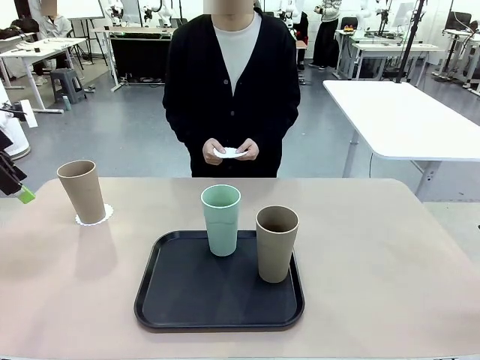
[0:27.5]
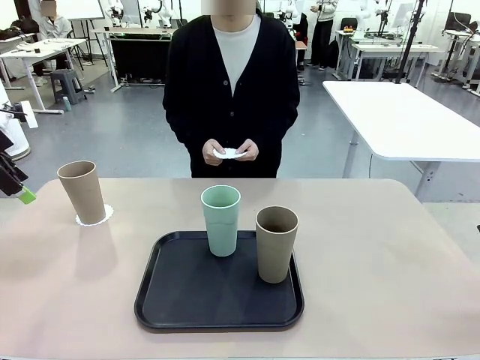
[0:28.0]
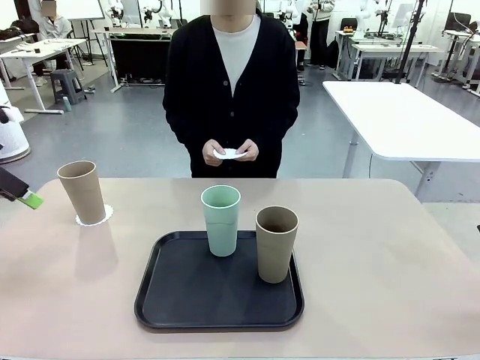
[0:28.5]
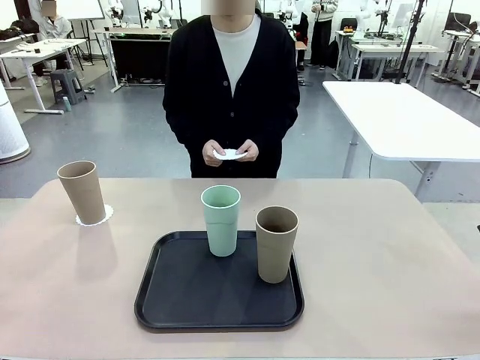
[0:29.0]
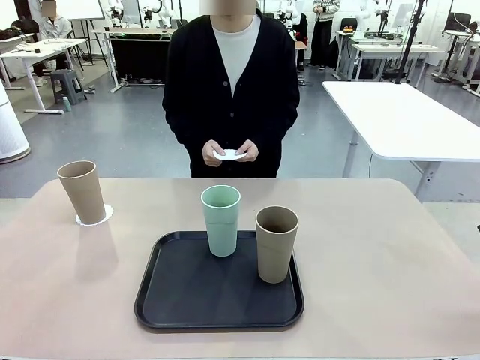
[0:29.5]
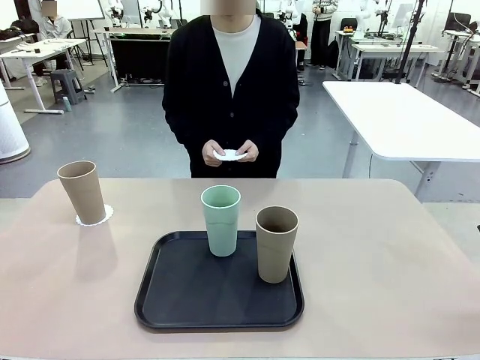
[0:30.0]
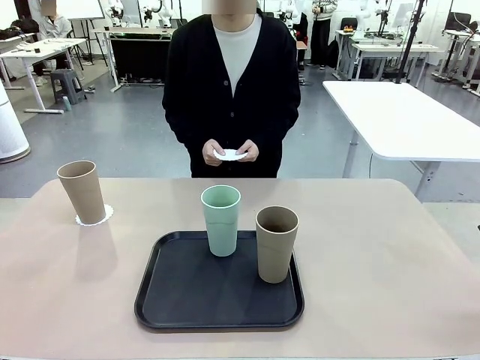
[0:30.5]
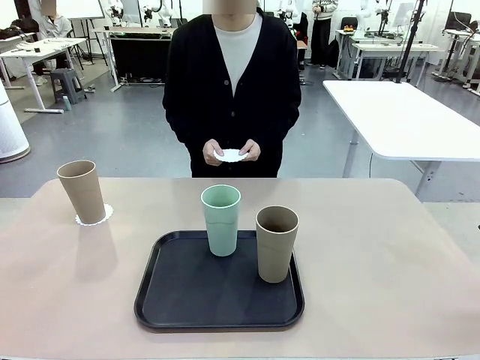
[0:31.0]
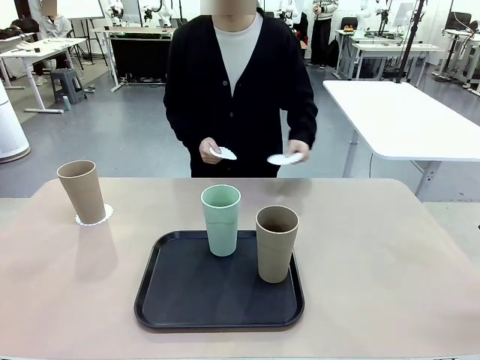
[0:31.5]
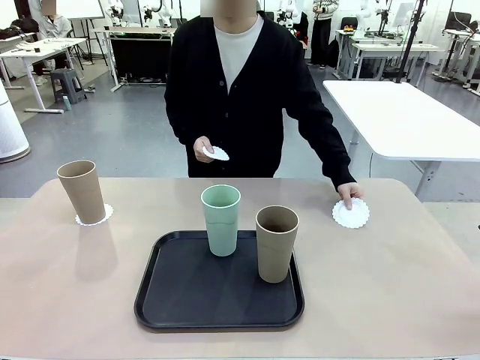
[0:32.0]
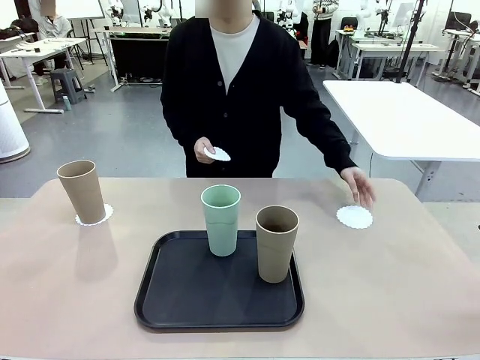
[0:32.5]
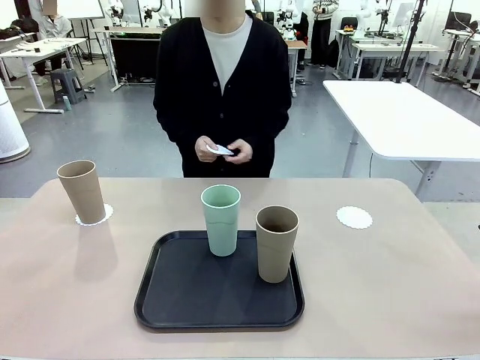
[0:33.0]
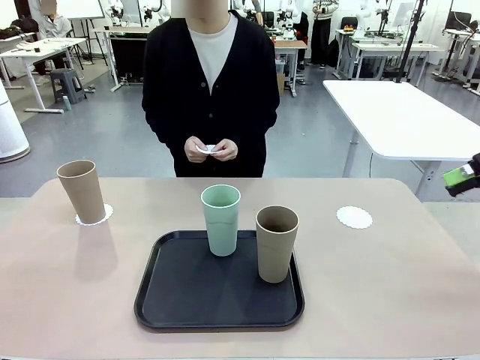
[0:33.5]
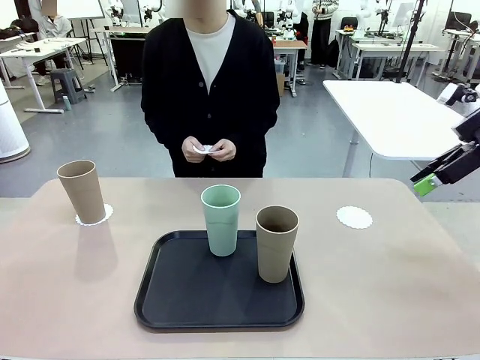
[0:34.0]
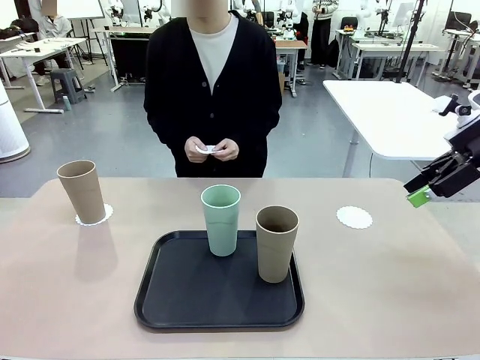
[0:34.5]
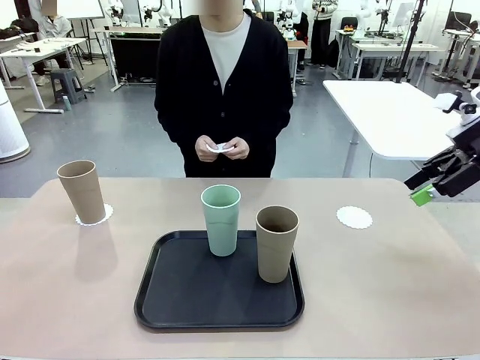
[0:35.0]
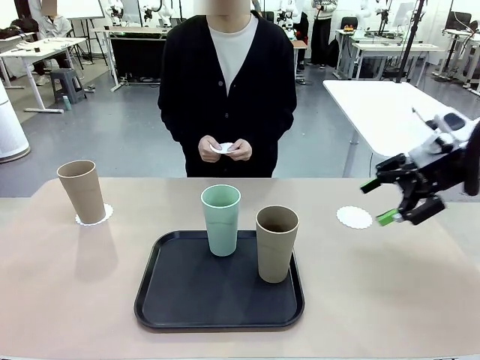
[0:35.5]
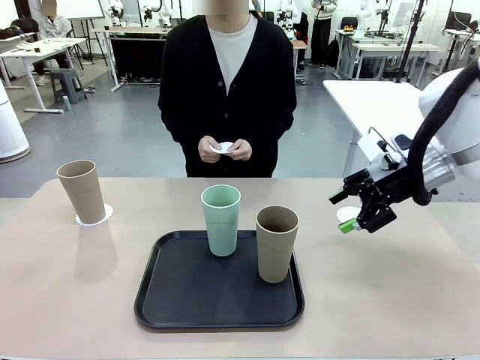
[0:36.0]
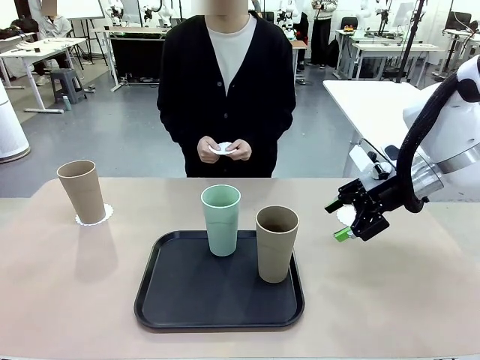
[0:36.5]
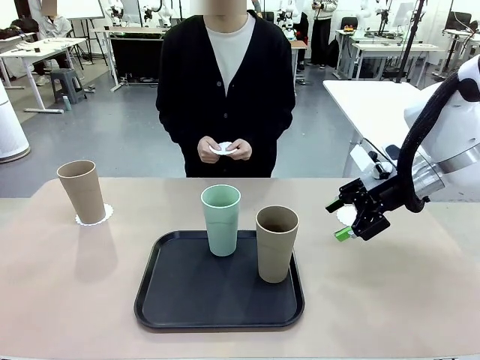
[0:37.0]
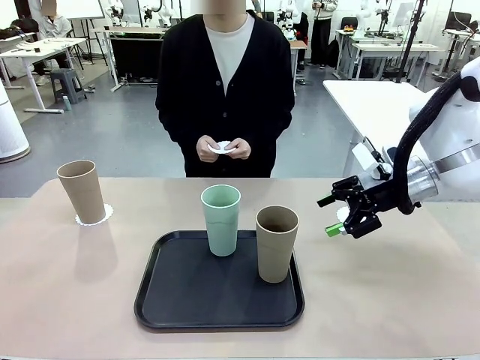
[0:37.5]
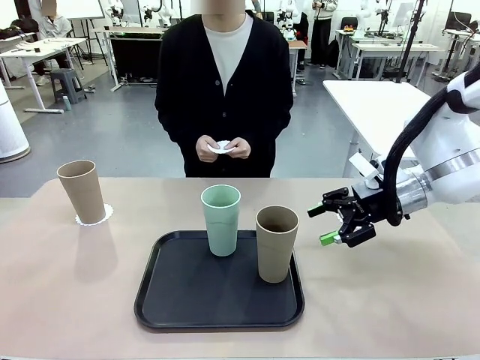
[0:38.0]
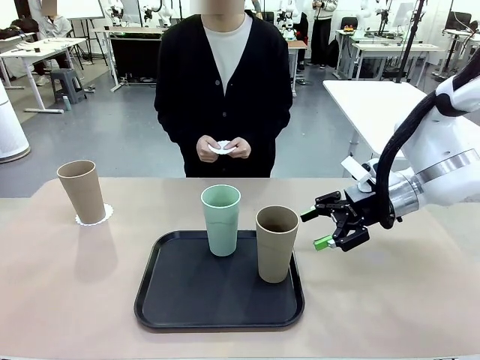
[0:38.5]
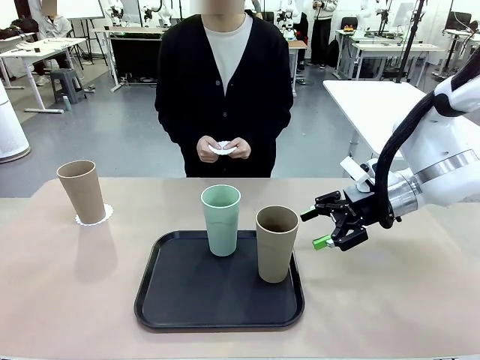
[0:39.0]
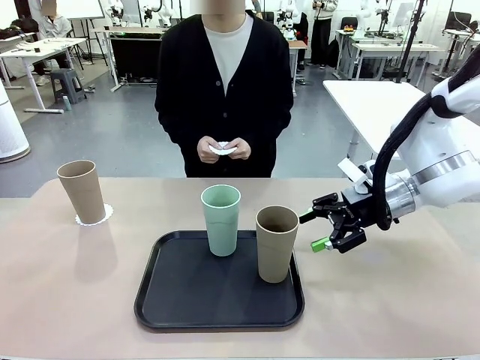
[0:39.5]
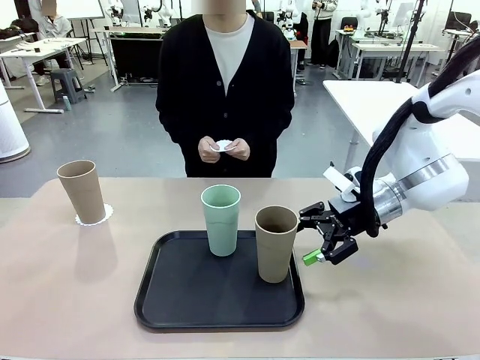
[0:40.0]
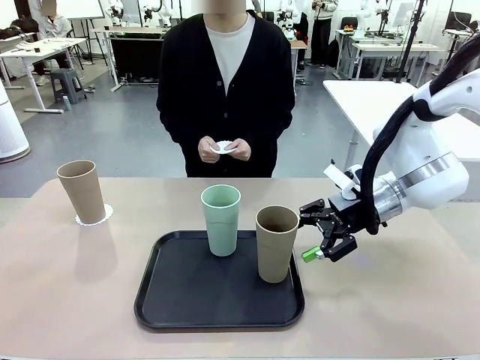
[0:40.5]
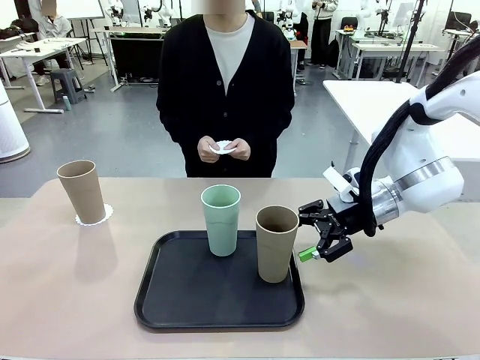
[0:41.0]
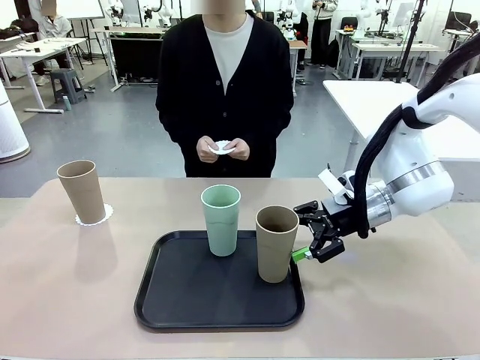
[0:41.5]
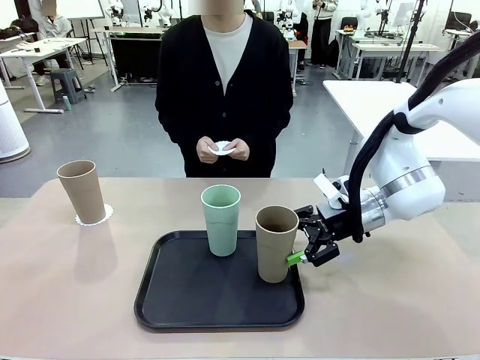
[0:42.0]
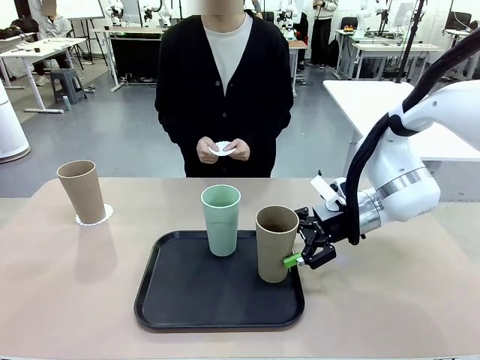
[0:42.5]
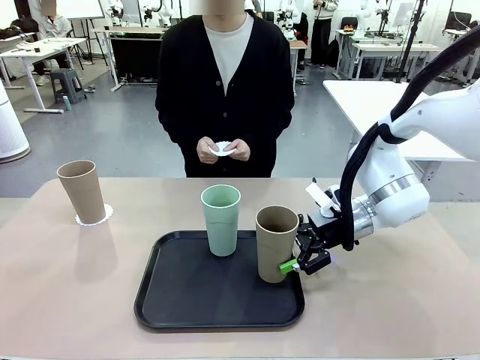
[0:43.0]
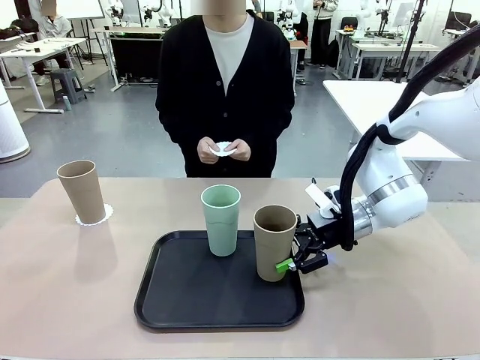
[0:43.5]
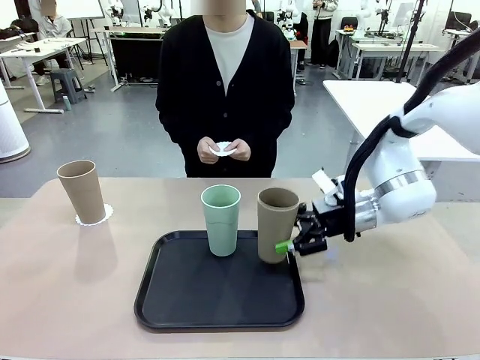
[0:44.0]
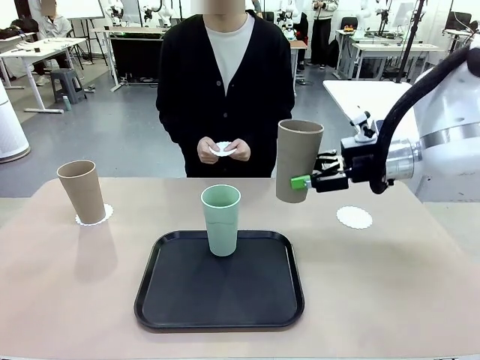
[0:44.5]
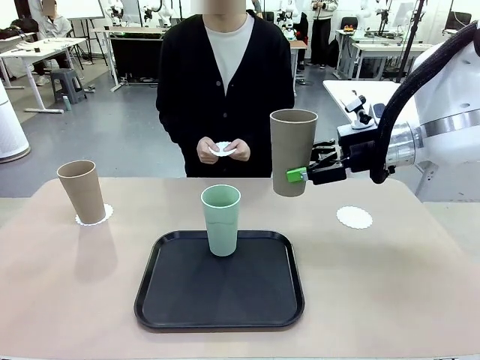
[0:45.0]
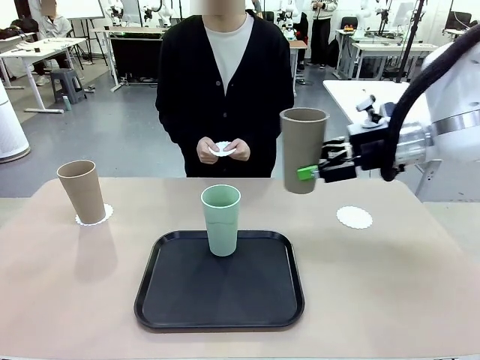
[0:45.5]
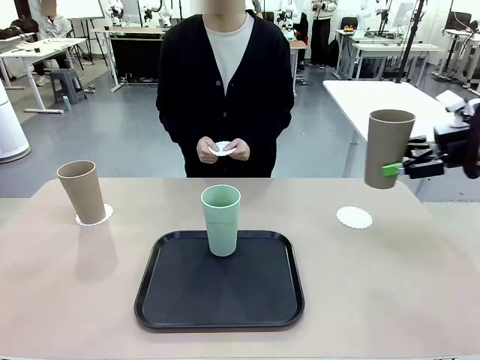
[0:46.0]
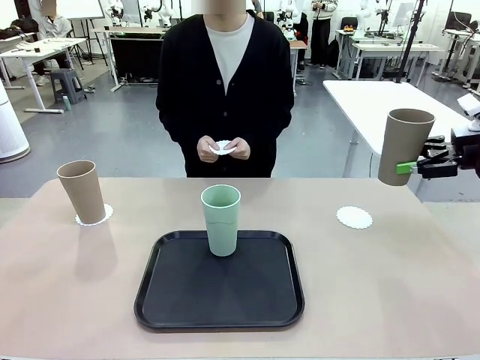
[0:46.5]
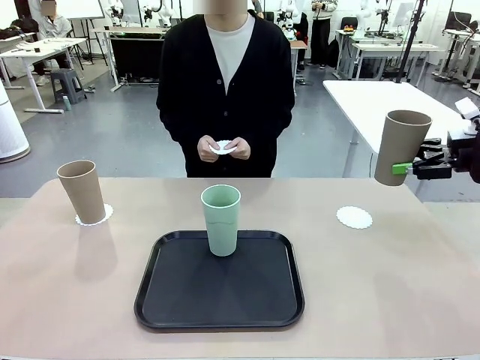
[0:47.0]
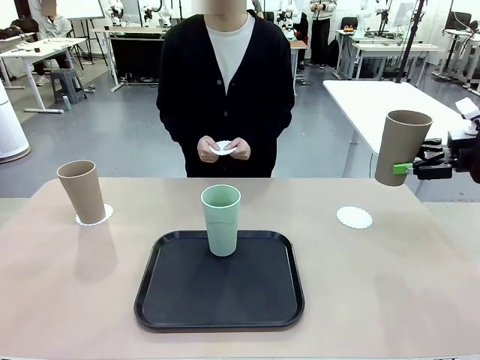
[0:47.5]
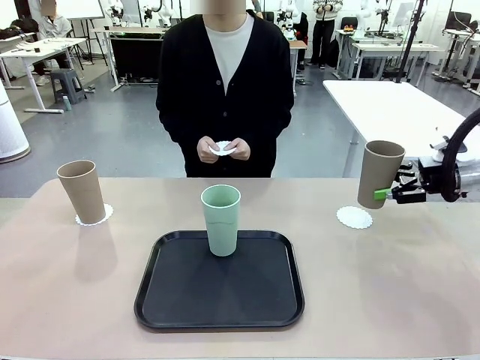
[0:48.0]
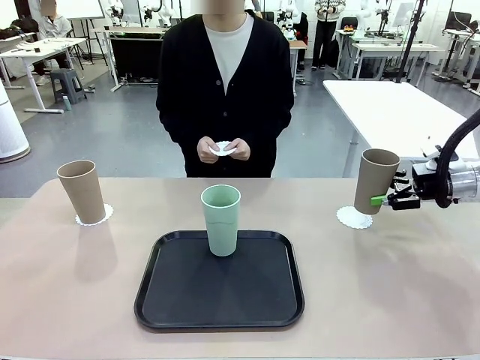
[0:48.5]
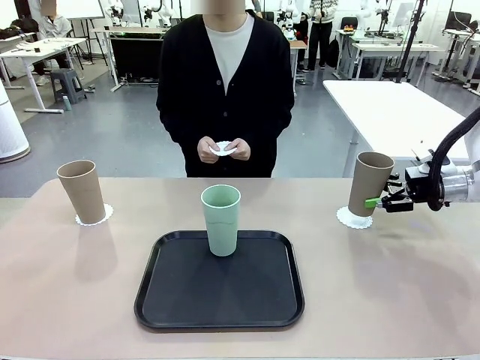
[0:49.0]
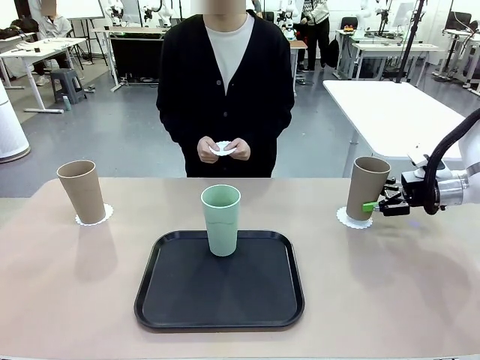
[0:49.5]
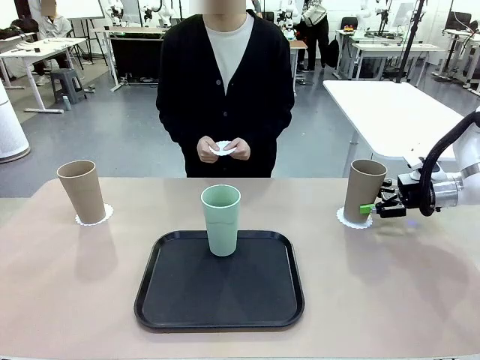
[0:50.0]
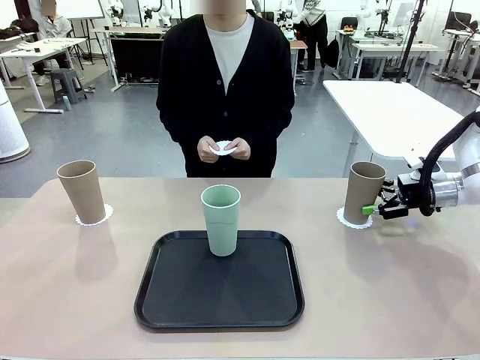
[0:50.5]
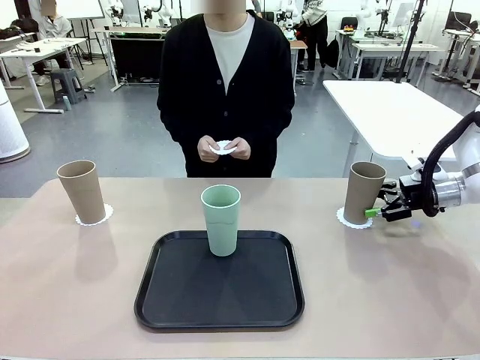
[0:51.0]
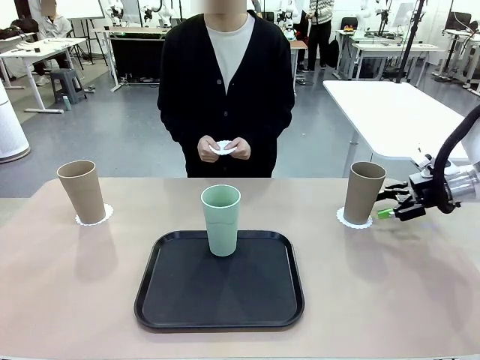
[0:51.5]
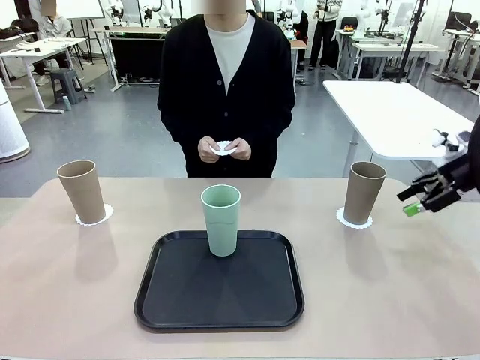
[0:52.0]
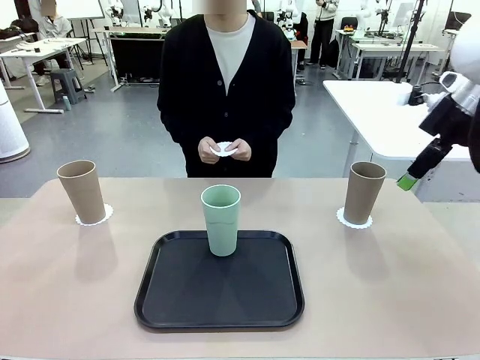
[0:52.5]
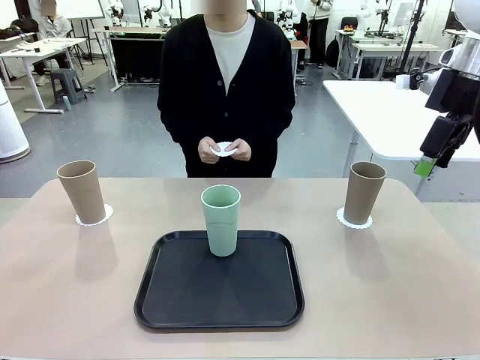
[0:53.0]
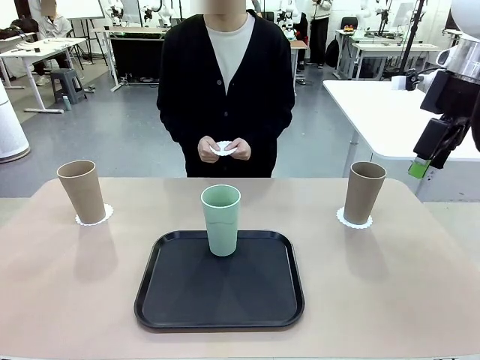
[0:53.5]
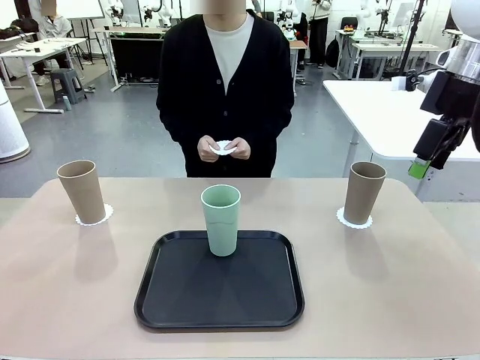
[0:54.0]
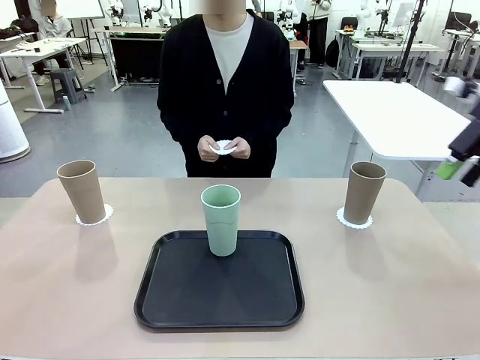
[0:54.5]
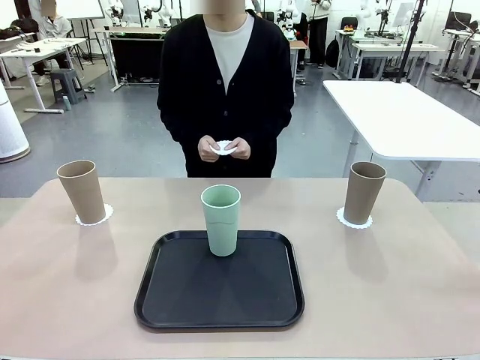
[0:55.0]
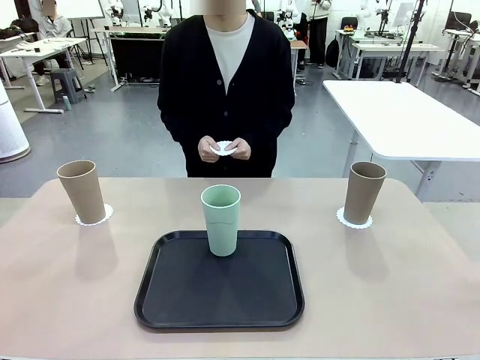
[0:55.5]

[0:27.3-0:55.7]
Task: Place coasters on the table and set cups on them.
Robot: Take one Reusable plastic cup from the Flat Tray and place it on a coaster set by the human.
